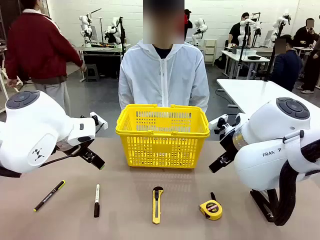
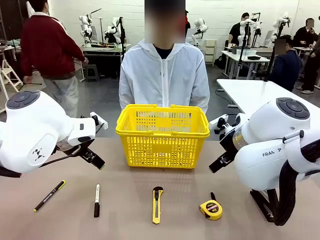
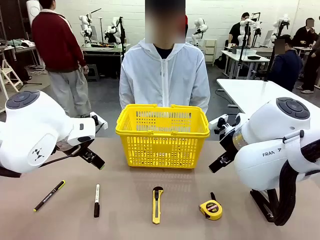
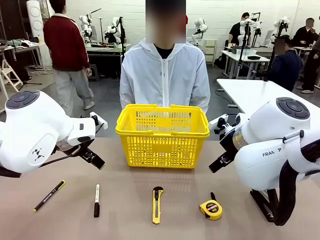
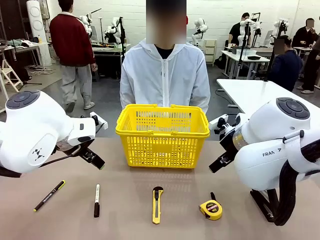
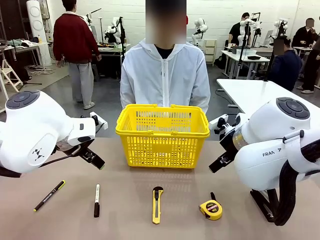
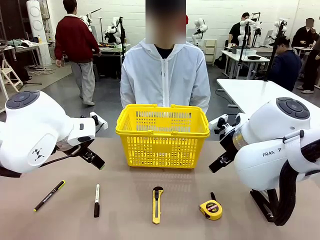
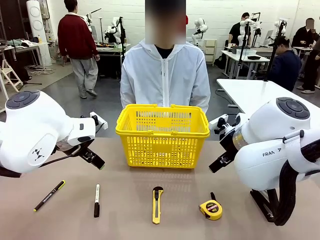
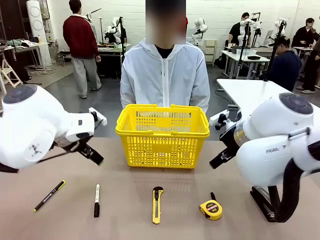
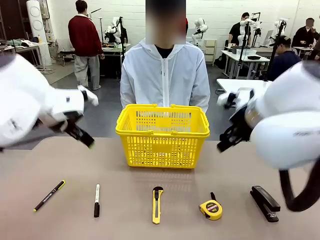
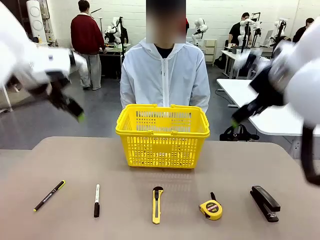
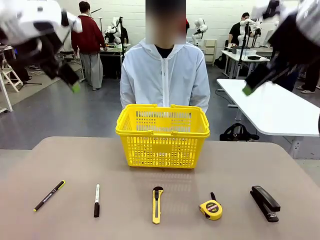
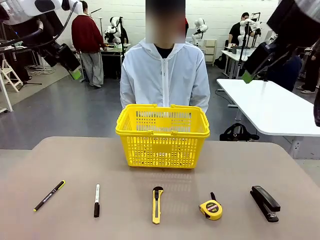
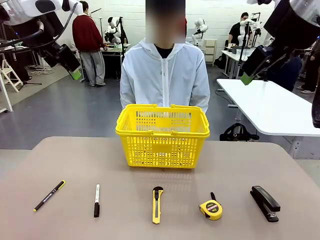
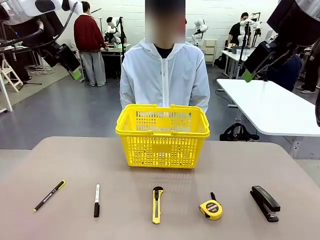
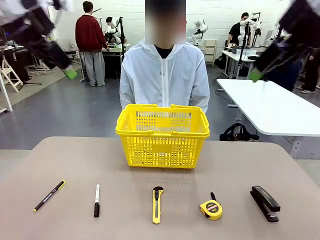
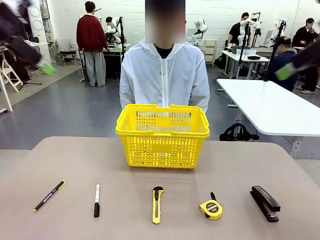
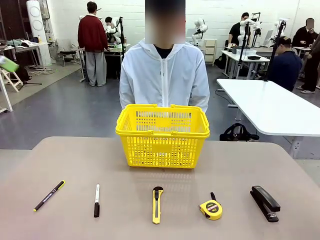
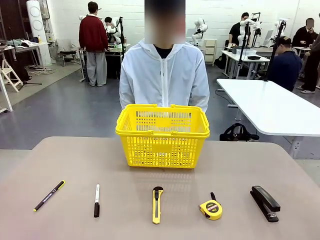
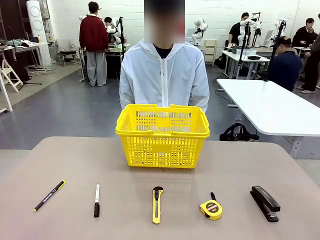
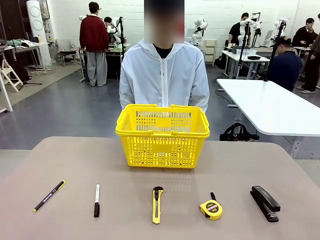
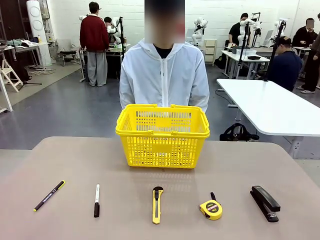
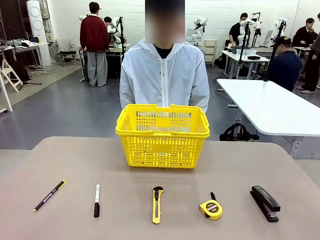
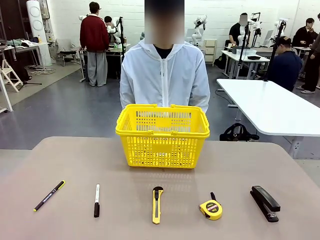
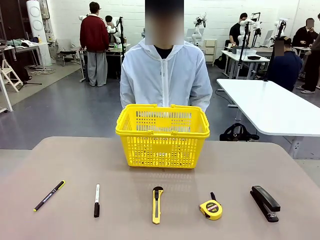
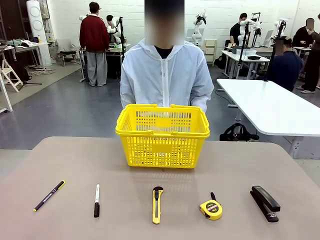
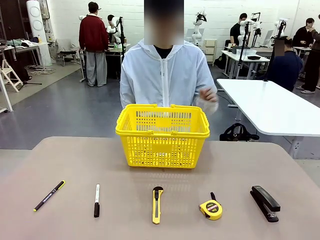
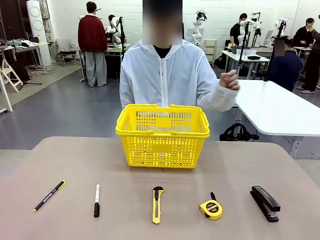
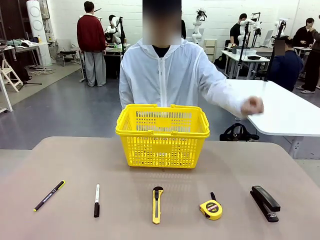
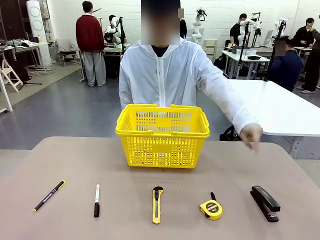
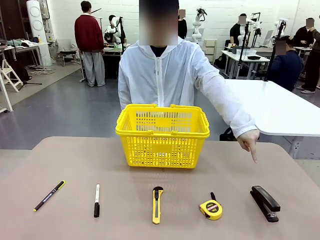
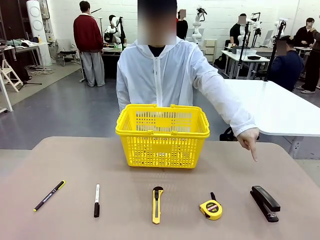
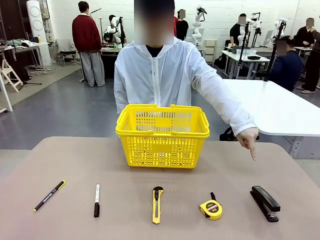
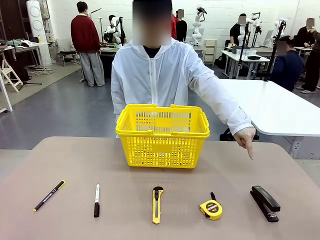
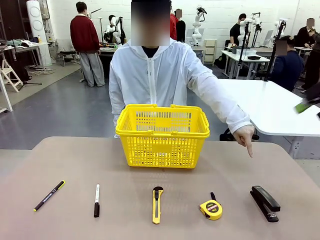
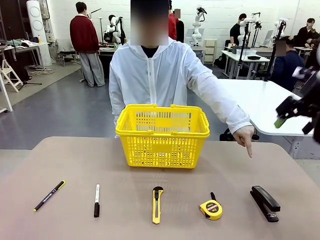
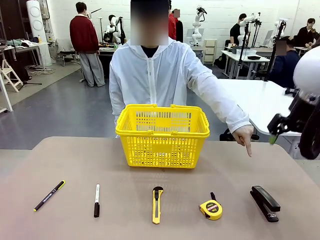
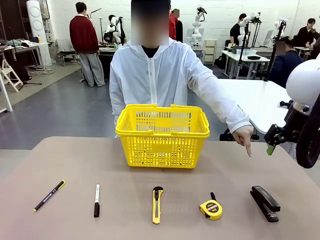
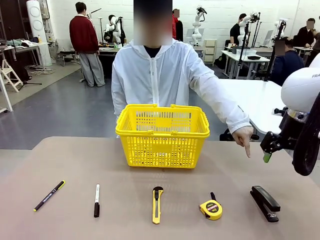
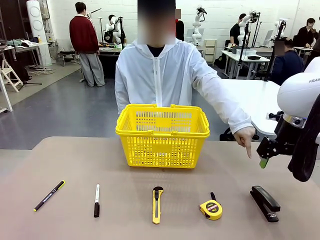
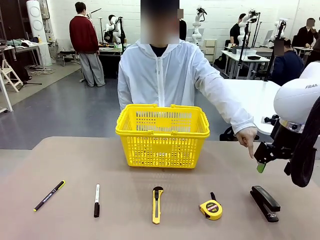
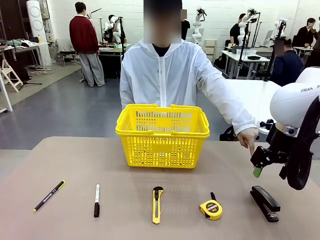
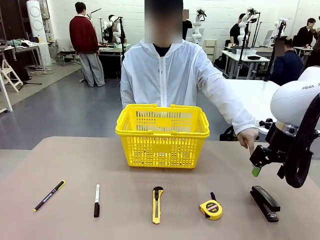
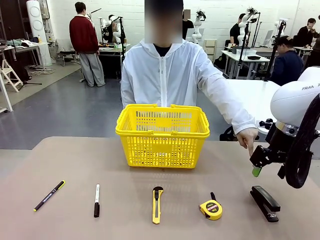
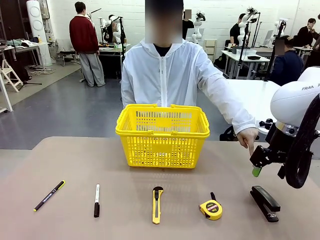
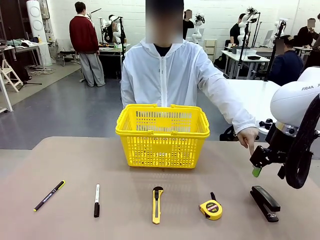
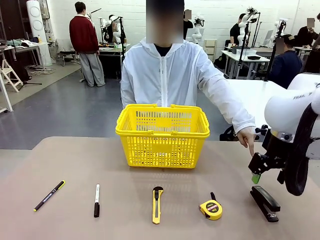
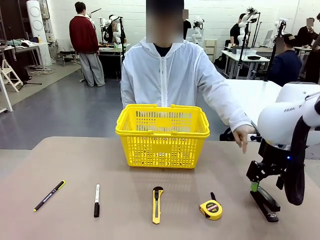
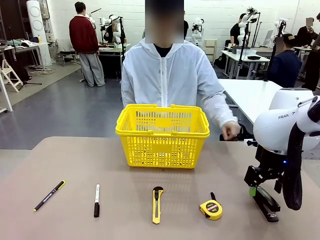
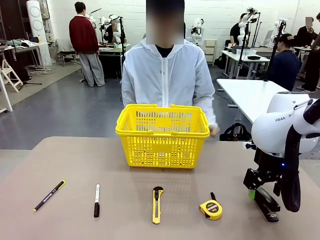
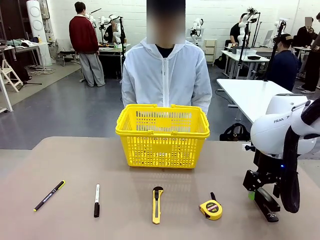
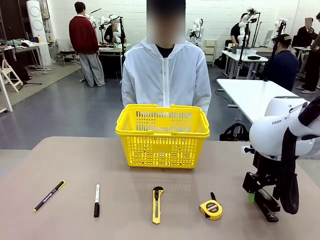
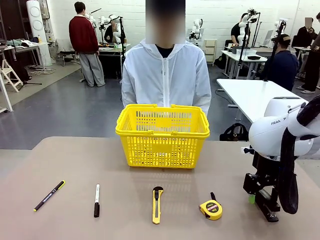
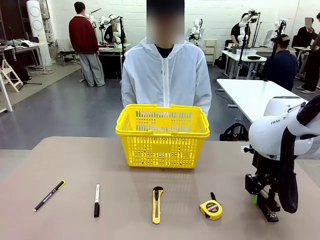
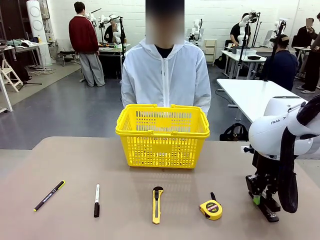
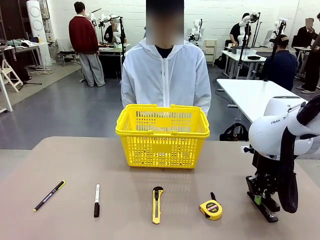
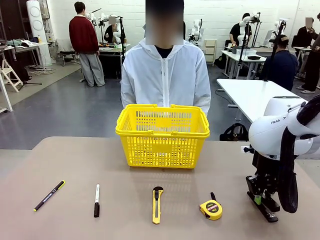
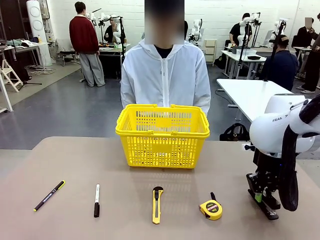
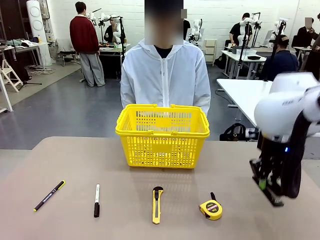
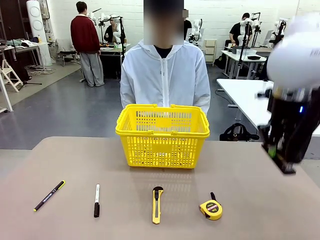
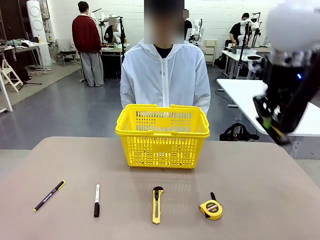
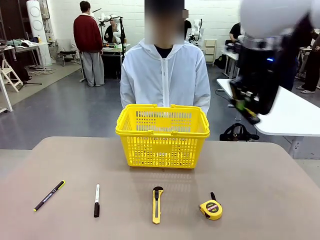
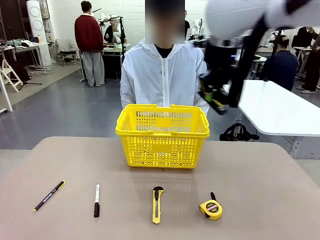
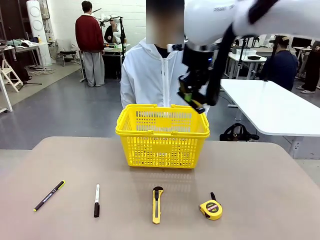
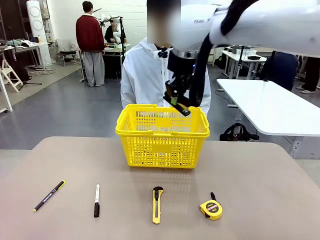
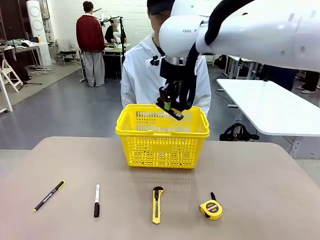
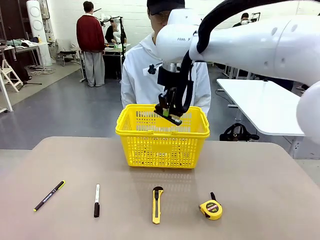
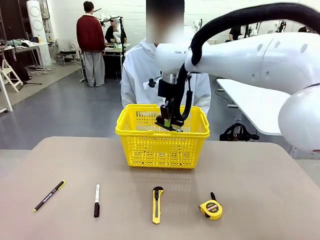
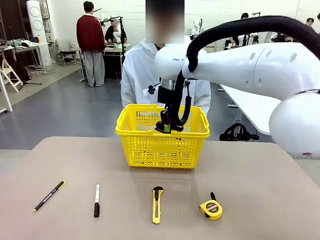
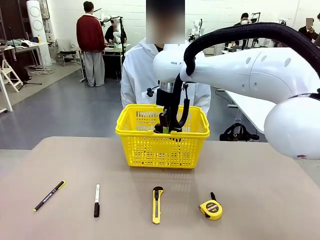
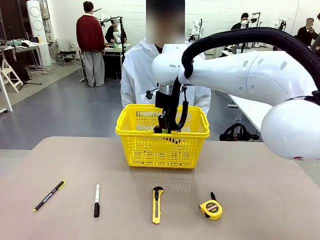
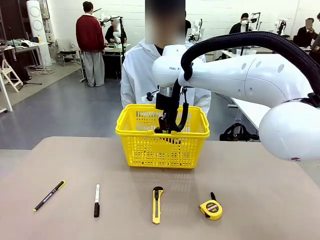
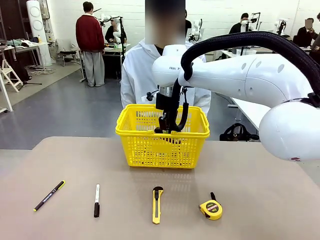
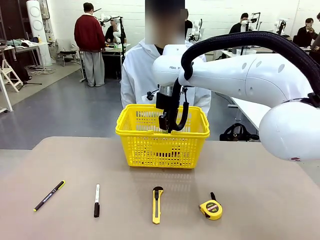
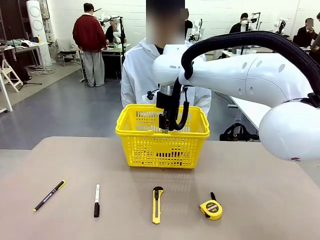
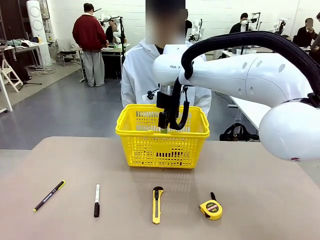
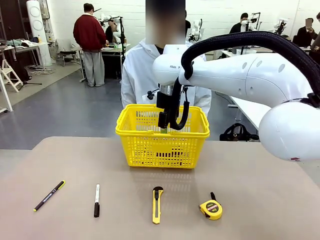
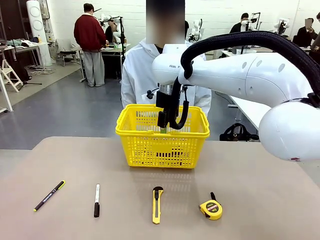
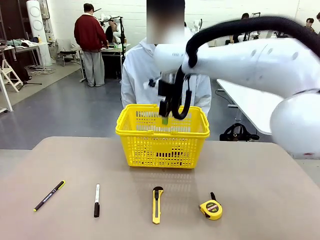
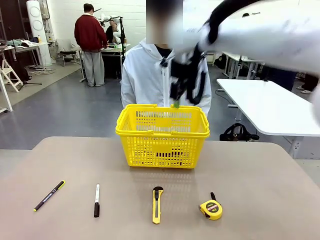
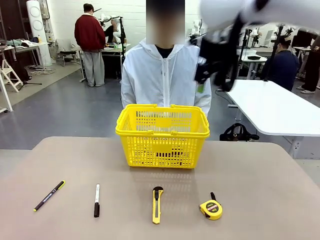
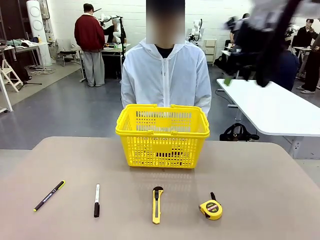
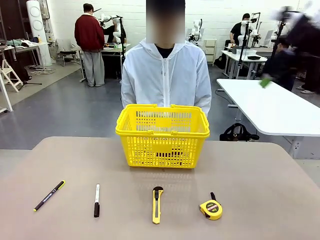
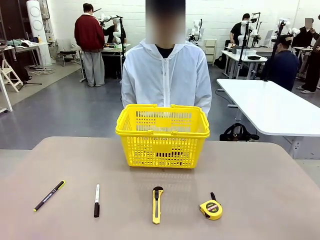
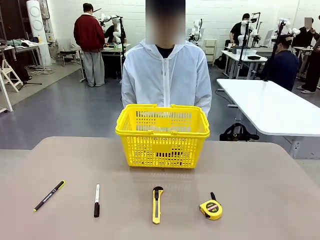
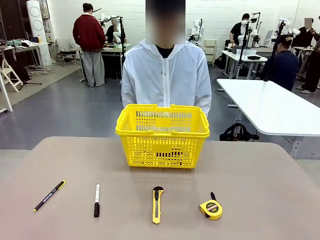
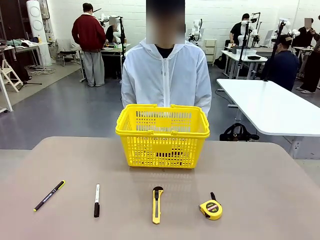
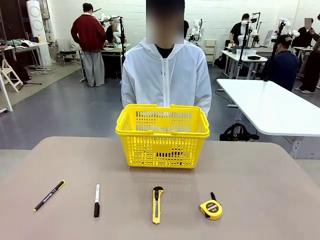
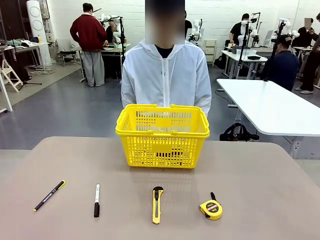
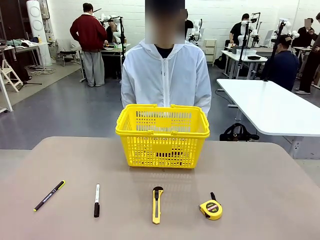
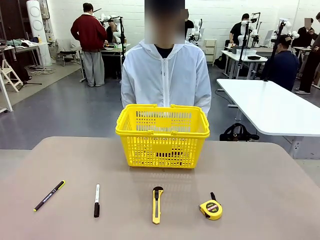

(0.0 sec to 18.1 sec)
Task: Place the items the person wants into the basket.
Robot: Pick up the item the person points to and place it in the Market Basket.
